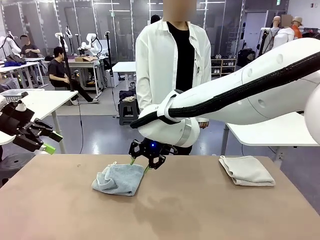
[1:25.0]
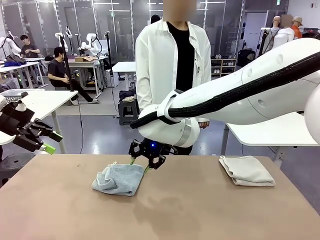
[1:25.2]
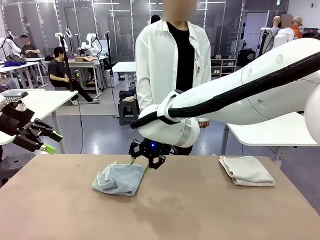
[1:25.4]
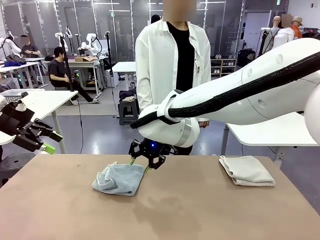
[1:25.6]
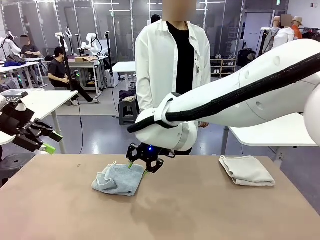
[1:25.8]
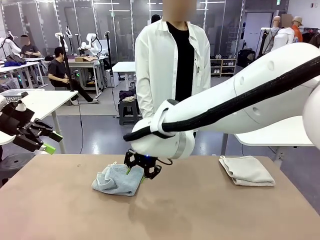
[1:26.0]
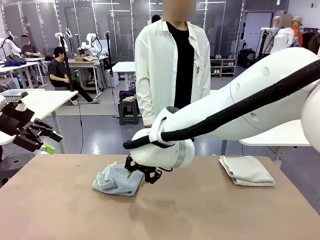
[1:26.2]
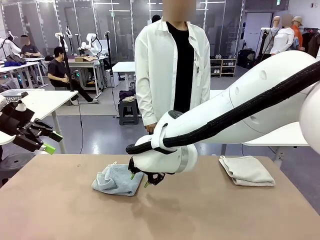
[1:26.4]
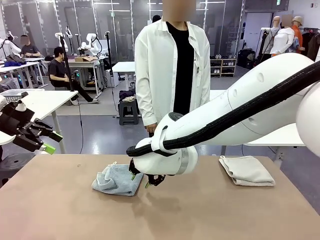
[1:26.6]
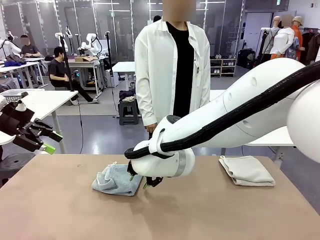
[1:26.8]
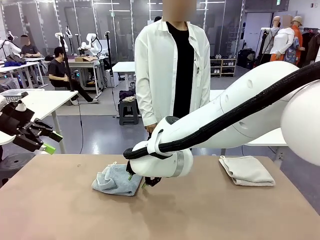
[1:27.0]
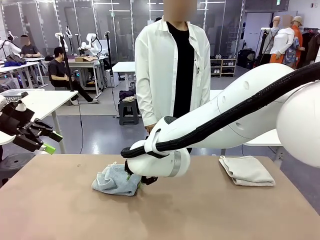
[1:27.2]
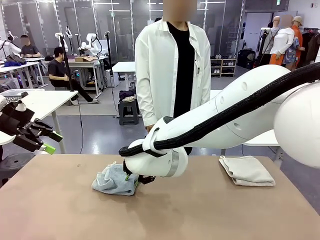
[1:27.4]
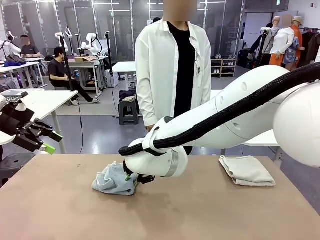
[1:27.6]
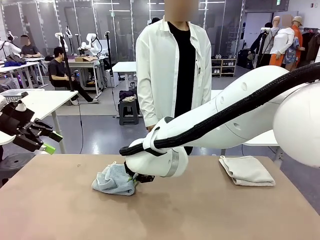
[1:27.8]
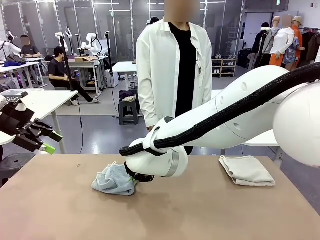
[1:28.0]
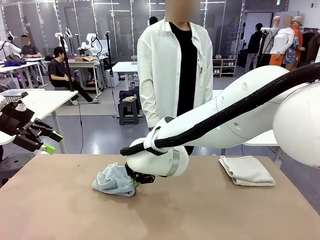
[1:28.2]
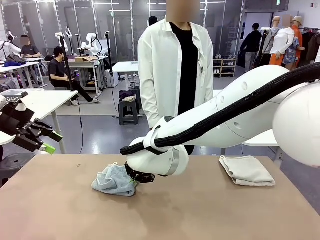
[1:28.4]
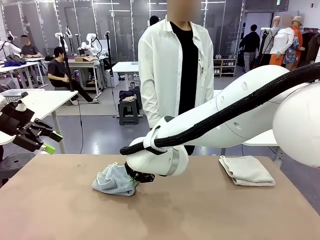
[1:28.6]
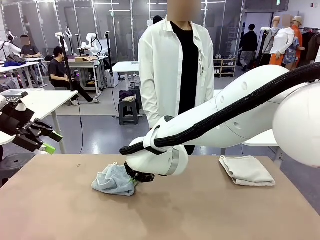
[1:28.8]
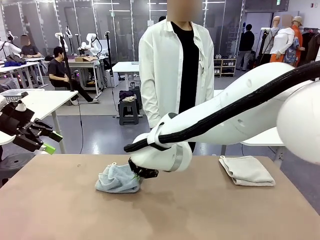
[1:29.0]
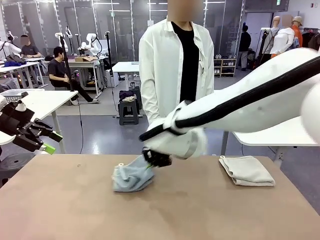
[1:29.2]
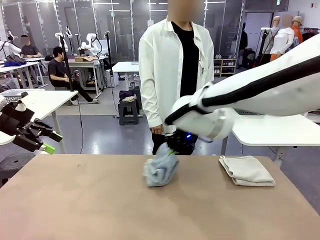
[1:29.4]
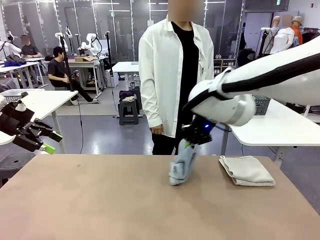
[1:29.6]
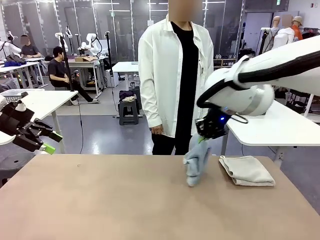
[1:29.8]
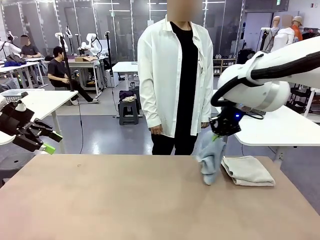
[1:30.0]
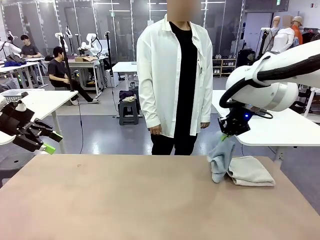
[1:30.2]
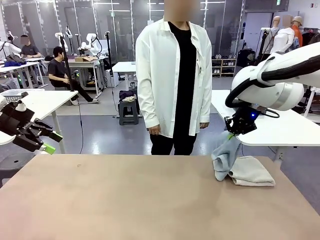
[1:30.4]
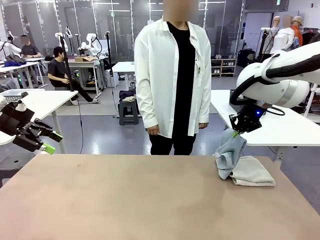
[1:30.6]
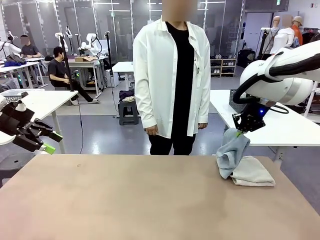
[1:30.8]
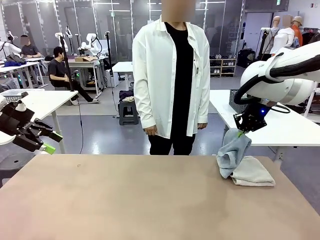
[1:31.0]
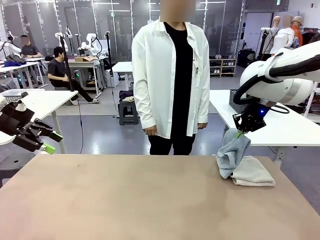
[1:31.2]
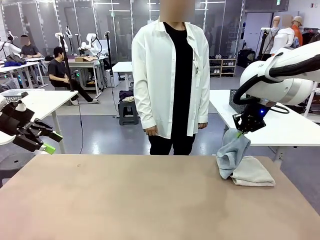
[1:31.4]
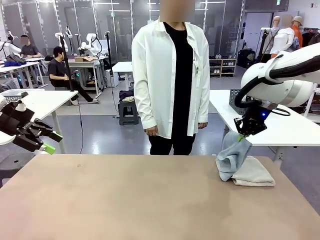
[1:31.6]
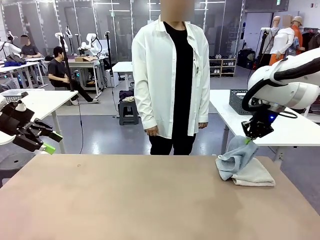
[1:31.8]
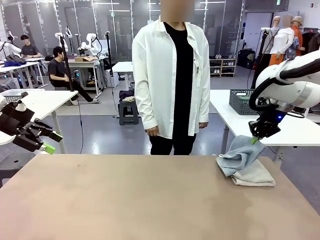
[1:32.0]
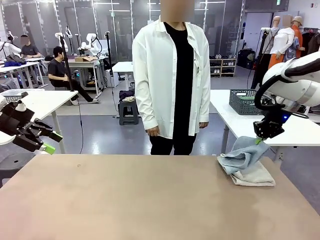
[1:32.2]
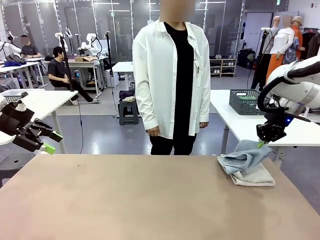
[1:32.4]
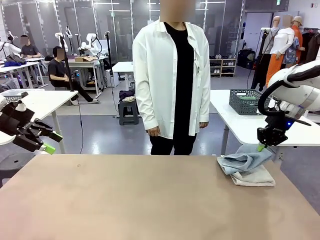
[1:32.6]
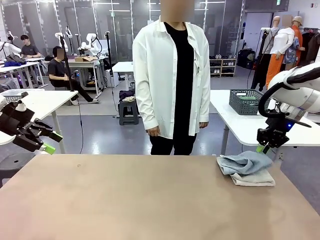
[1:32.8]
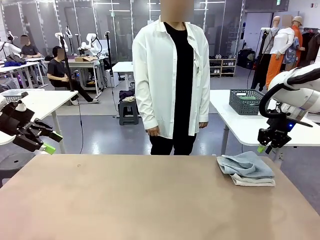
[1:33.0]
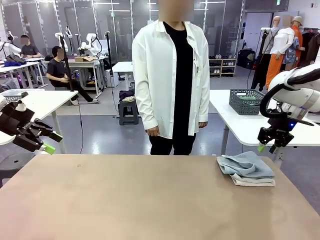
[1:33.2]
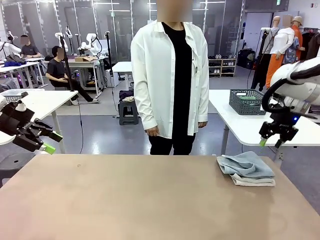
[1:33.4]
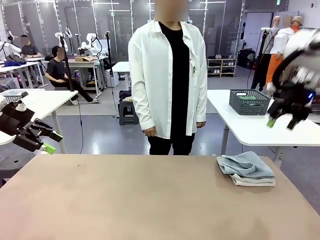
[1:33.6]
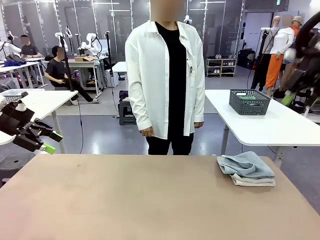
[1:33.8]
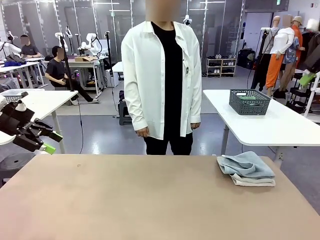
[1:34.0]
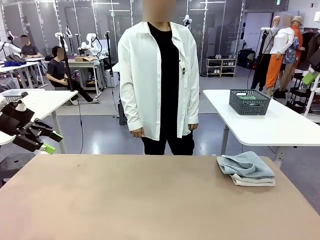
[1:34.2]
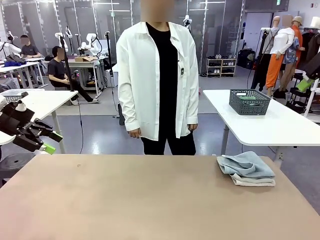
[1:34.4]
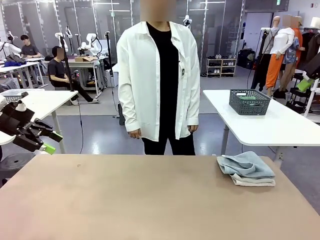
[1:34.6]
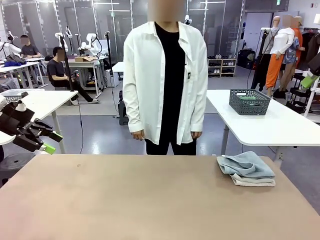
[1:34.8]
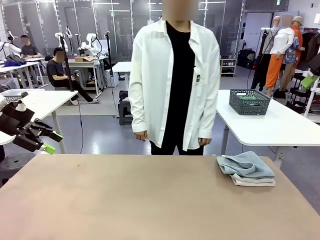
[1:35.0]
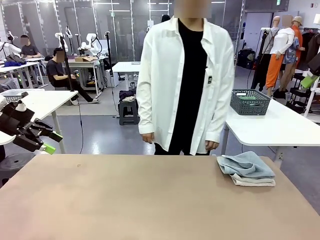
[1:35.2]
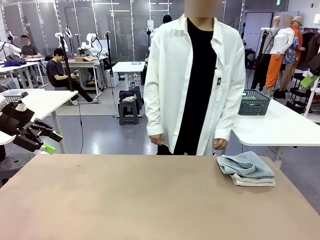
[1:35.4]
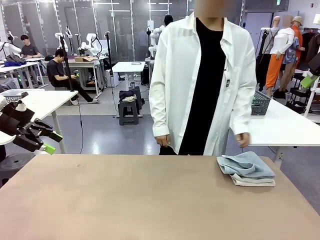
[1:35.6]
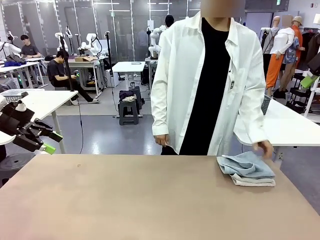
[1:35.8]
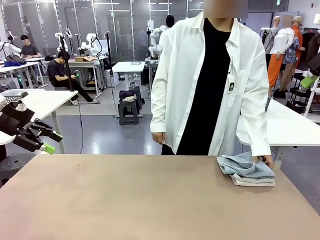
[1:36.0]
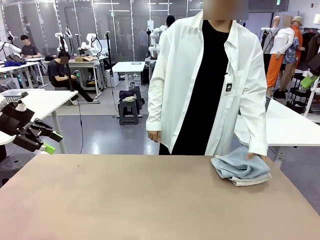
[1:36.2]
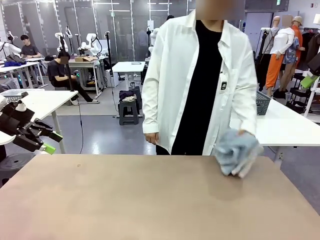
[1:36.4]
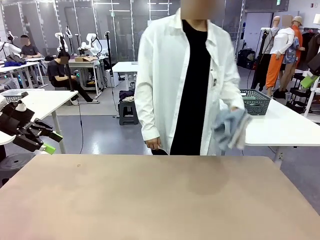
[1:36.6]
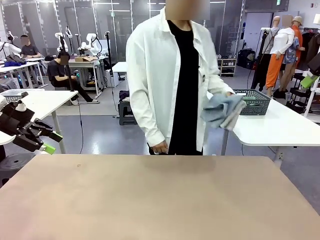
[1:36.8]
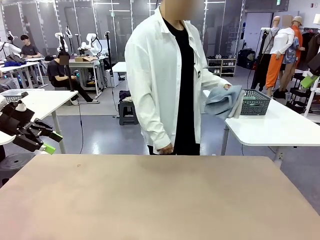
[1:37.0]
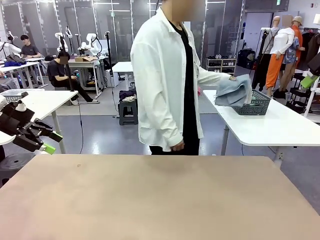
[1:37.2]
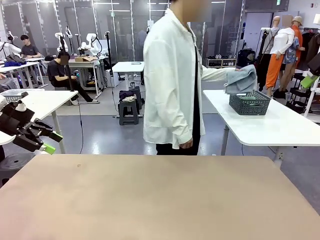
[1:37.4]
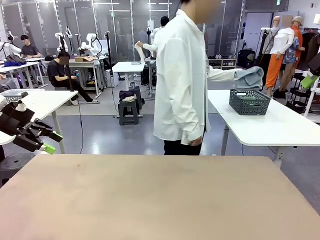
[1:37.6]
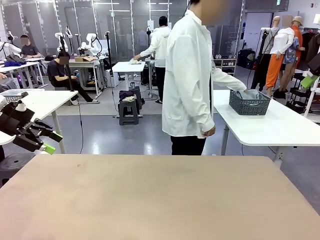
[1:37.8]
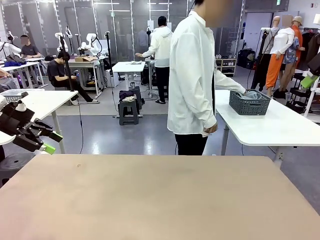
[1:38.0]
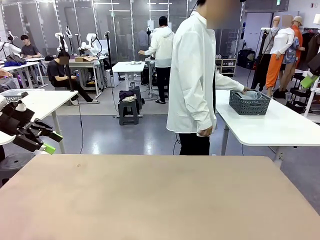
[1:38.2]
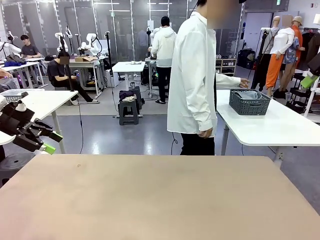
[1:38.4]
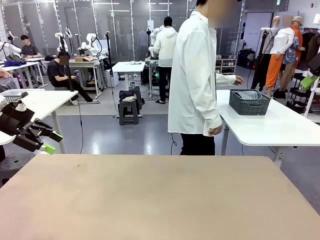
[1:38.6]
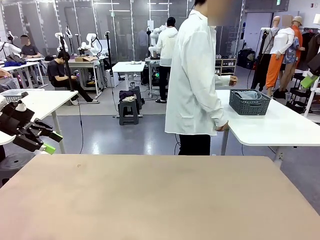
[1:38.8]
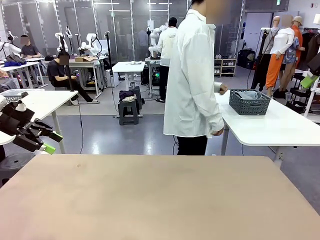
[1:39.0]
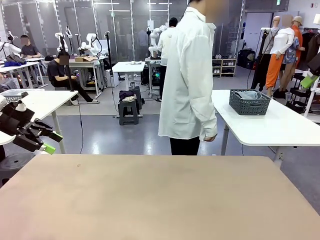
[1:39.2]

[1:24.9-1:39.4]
Task: Fold the towels and place them in the basket.
Robot: Stack the folded Towel with hook on the right side of the table.
Person: Pick up the stack of towels from the robot table and place it into the basket.

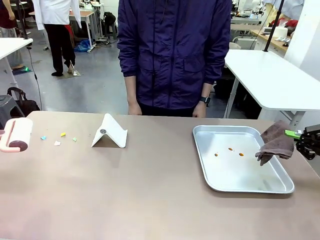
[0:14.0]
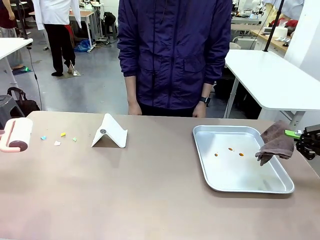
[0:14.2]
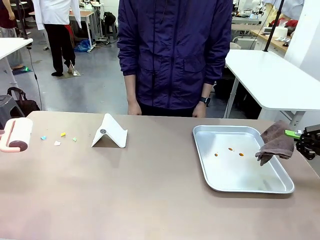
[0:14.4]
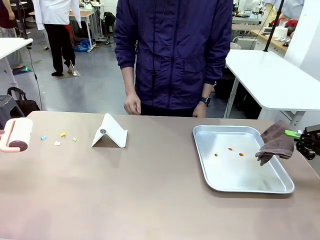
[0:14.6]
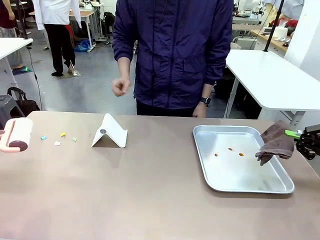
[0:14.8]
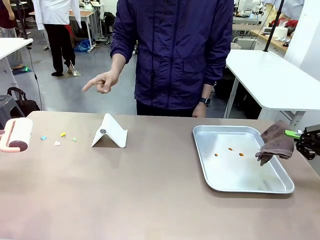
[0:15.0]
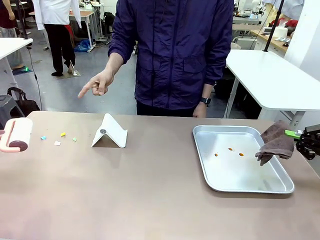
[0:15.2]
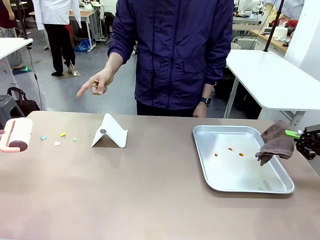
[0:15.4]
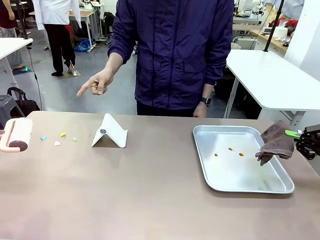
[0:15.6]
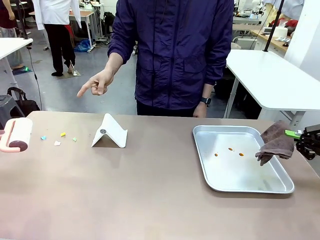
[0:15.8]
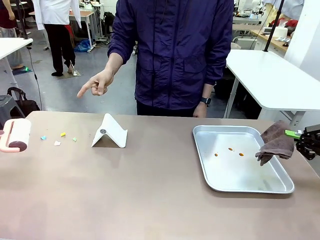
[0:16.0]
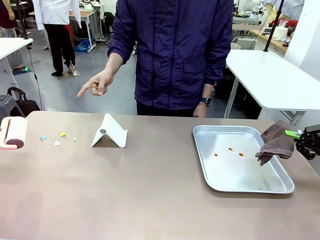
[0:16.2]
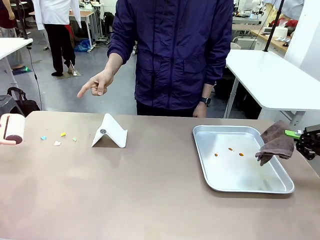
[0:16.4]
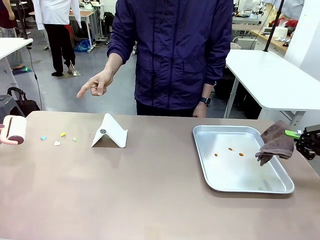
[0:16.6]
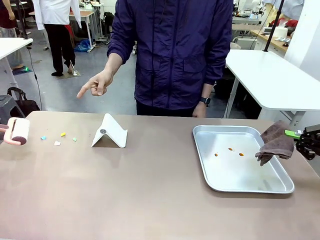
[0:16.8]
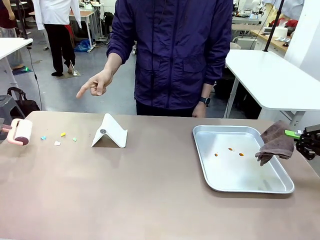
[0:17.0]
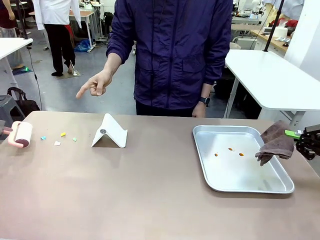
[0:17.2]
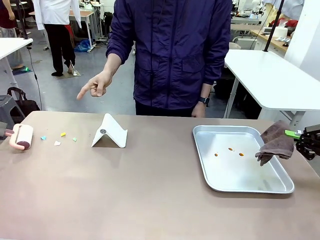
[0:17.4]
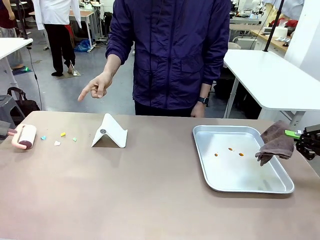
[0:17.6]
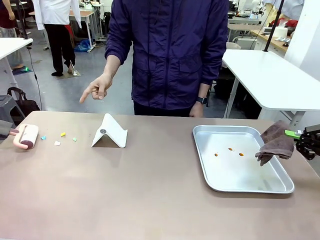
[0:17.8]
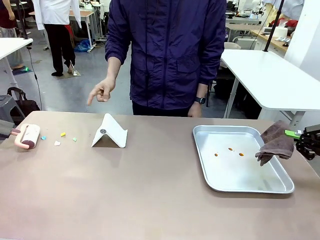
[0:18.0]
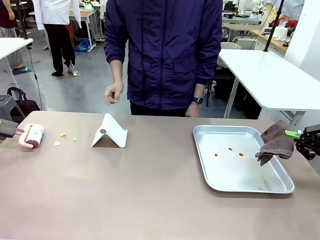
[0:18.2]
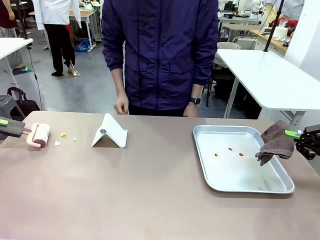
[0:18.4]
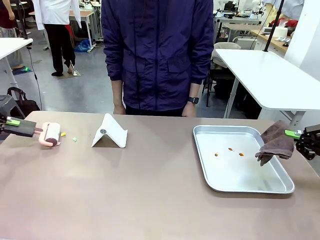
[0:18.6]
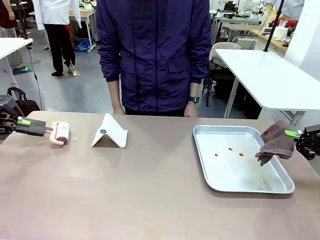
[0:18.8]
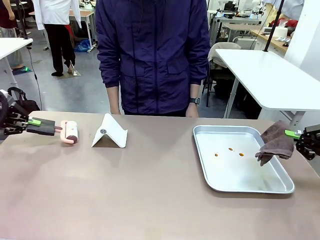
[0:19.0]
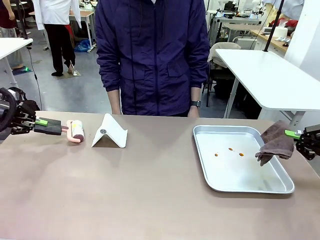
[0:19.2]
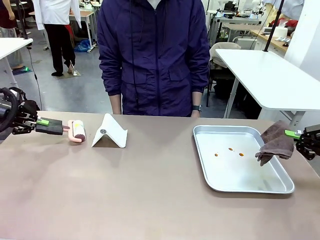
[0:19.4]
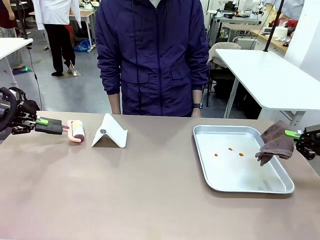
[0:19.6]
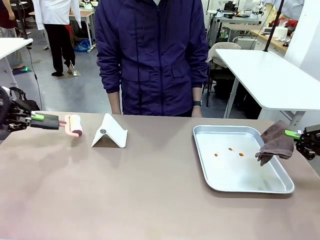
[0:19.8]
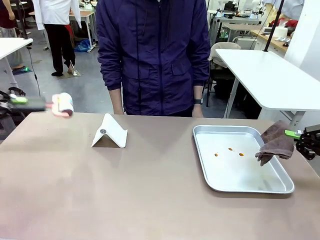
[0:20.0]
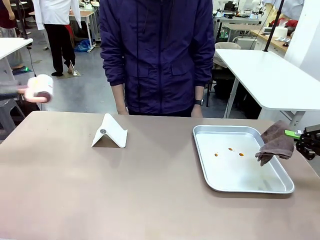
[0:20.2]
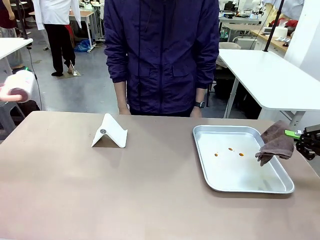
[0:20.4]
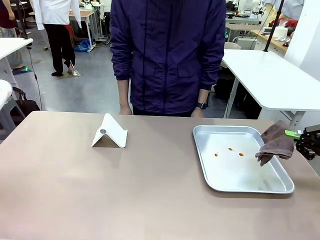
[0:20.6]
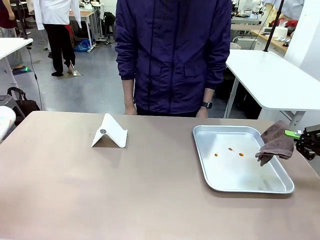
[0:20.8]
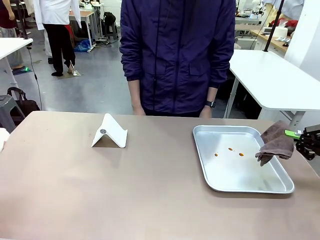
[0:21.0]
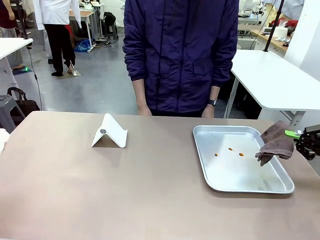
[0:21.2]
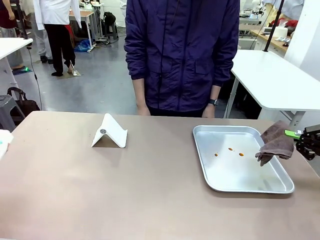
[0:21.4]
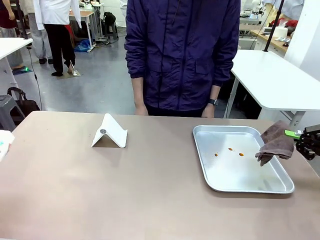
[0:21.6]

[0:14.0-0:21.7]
Task: Clean the surface of the table.
Robot: If a person points to the right, clean the right side of the table with your right hand, and if they point to the left, clean the left side with your left hand.
